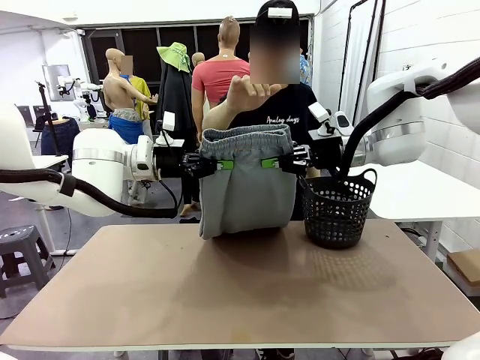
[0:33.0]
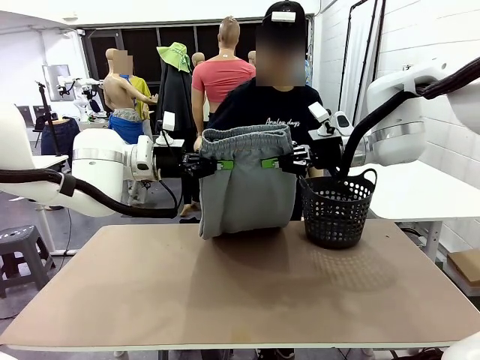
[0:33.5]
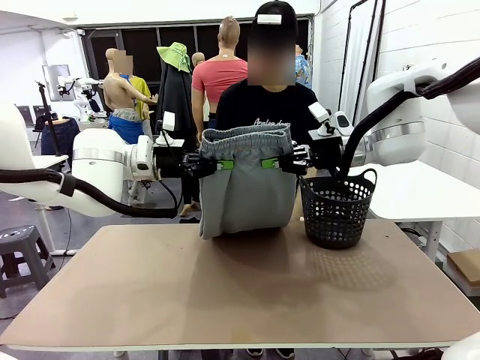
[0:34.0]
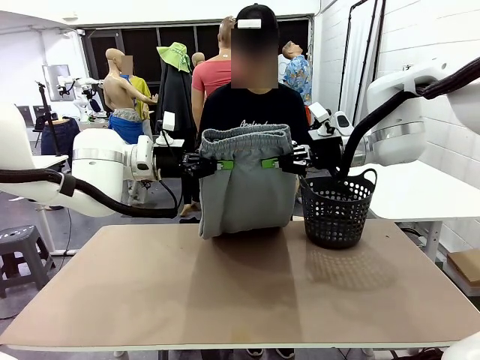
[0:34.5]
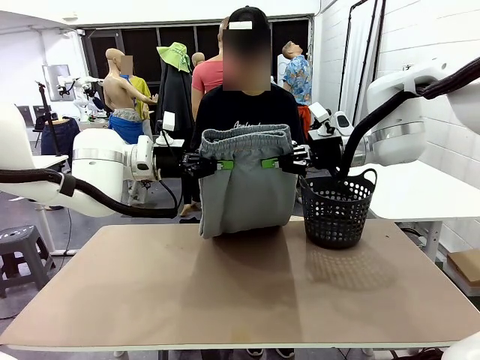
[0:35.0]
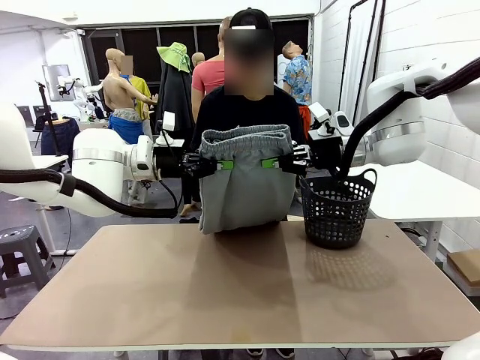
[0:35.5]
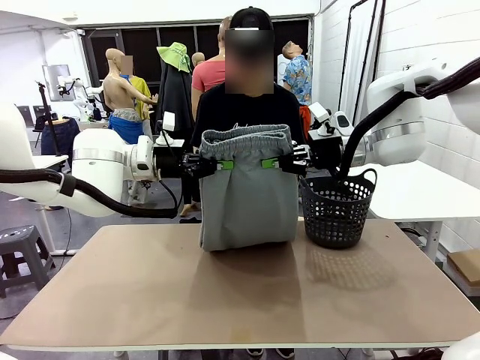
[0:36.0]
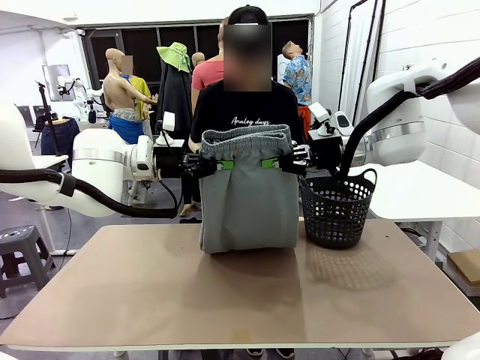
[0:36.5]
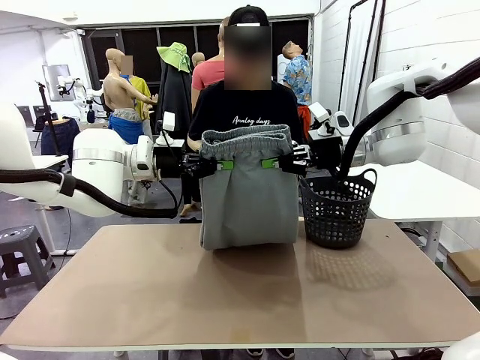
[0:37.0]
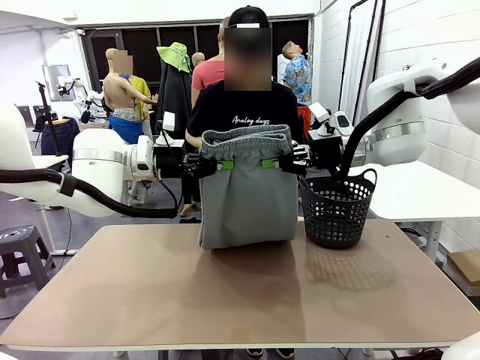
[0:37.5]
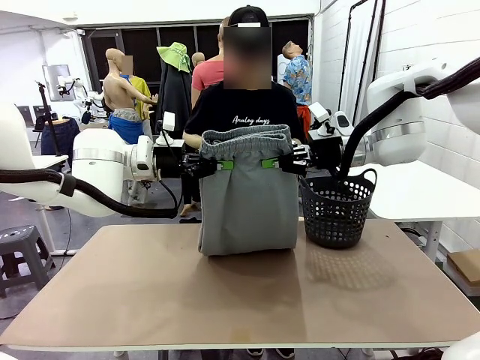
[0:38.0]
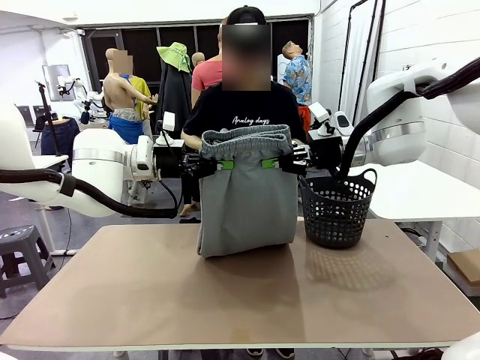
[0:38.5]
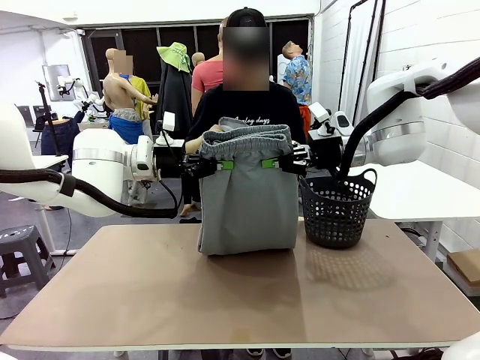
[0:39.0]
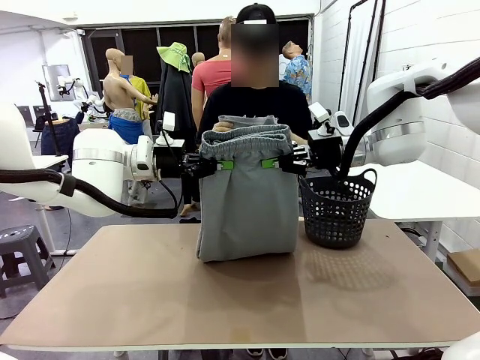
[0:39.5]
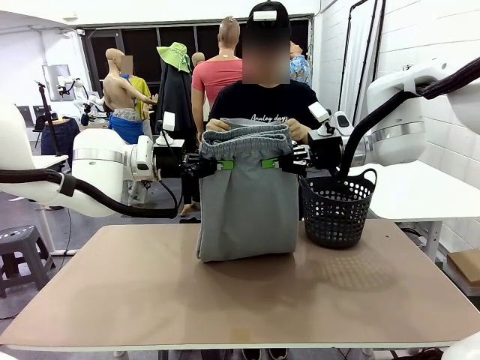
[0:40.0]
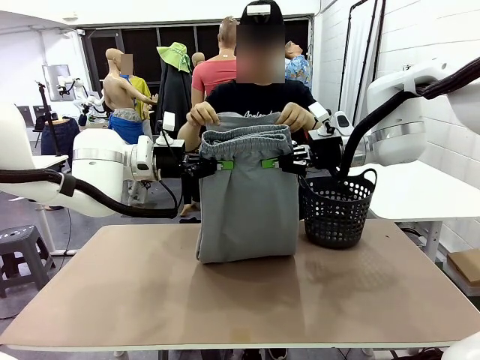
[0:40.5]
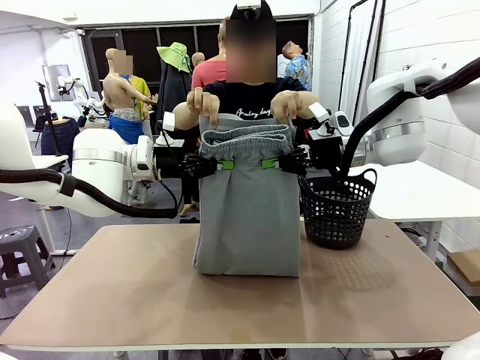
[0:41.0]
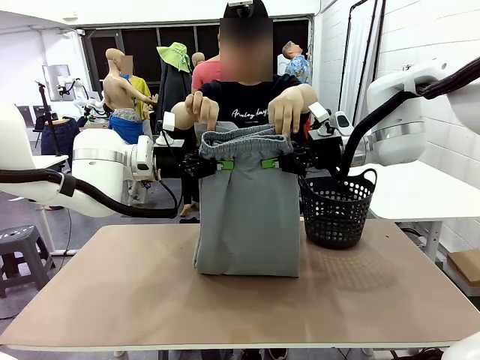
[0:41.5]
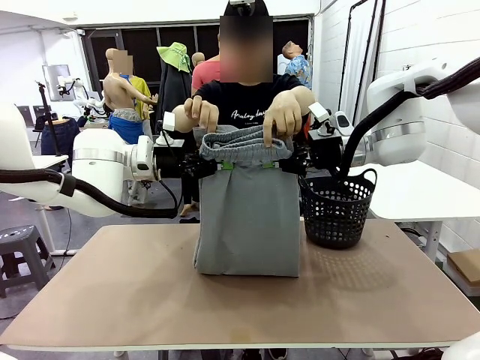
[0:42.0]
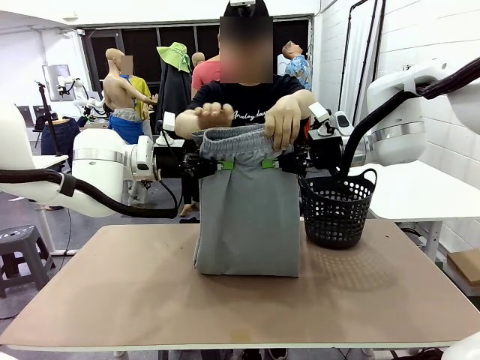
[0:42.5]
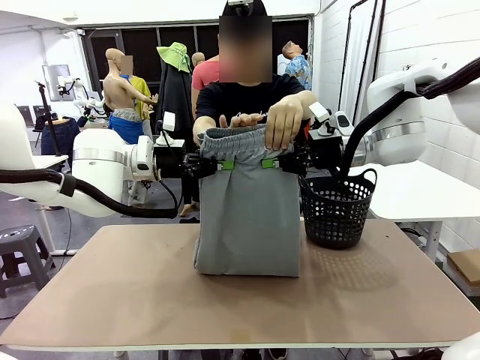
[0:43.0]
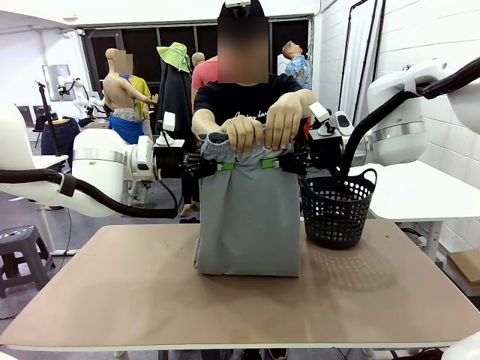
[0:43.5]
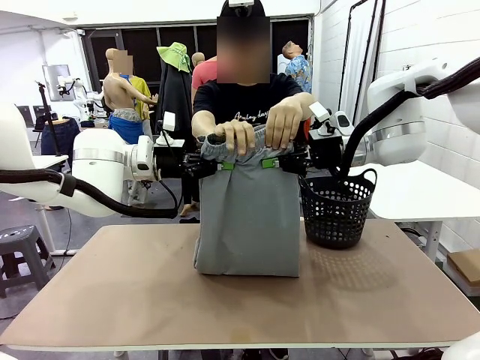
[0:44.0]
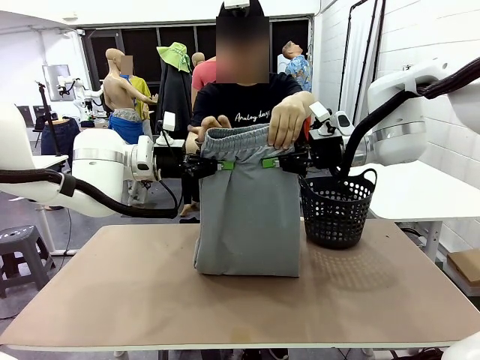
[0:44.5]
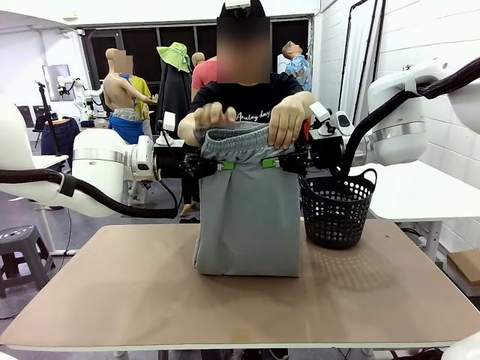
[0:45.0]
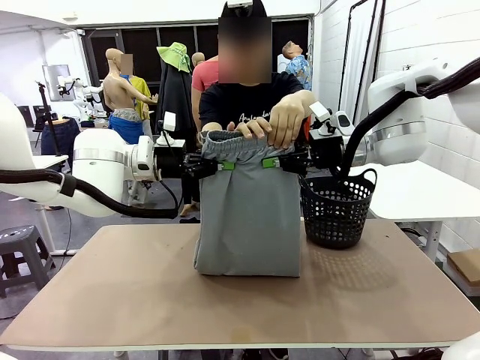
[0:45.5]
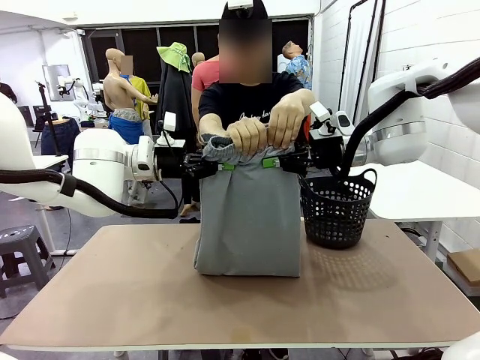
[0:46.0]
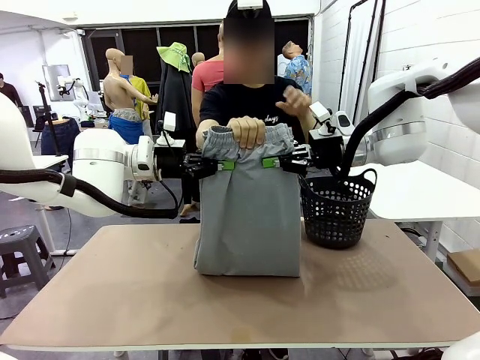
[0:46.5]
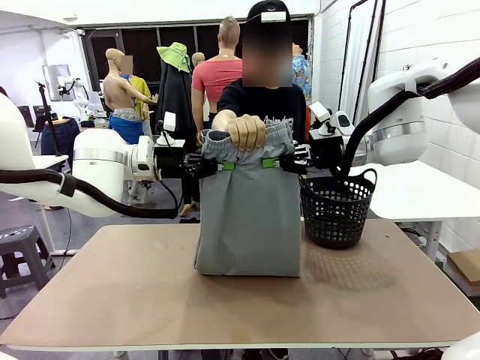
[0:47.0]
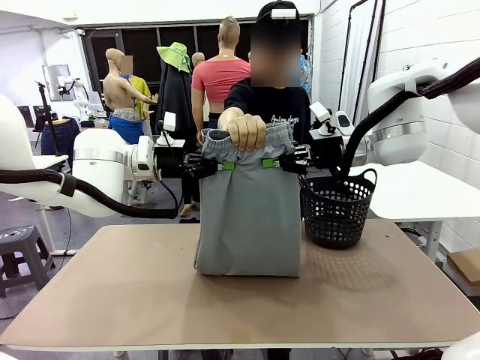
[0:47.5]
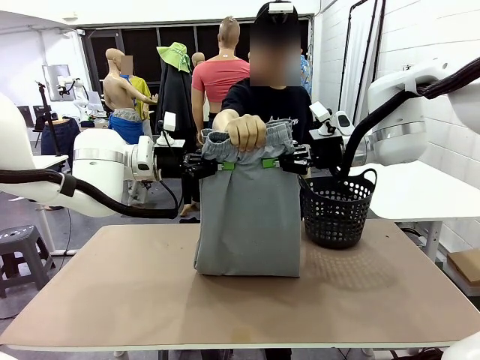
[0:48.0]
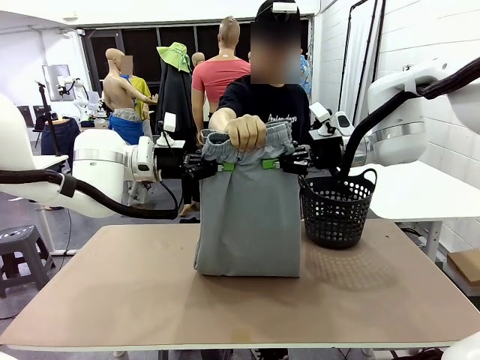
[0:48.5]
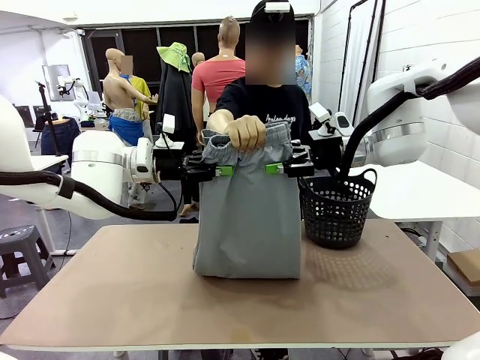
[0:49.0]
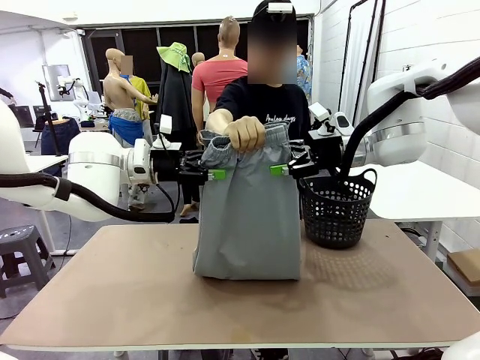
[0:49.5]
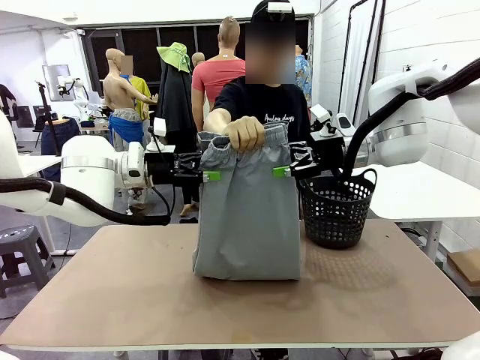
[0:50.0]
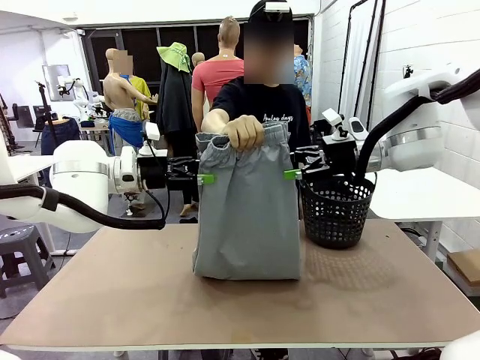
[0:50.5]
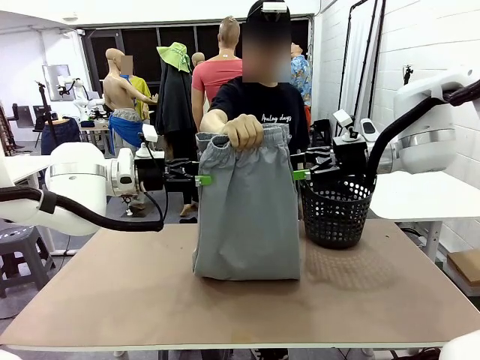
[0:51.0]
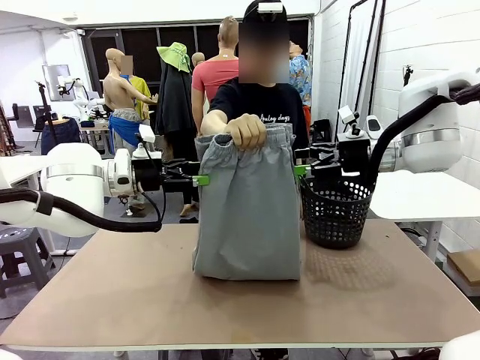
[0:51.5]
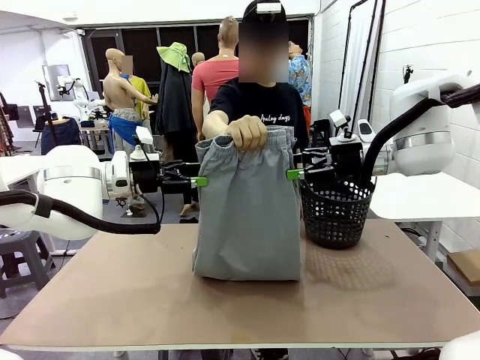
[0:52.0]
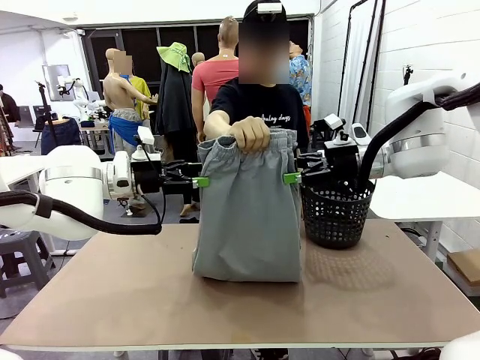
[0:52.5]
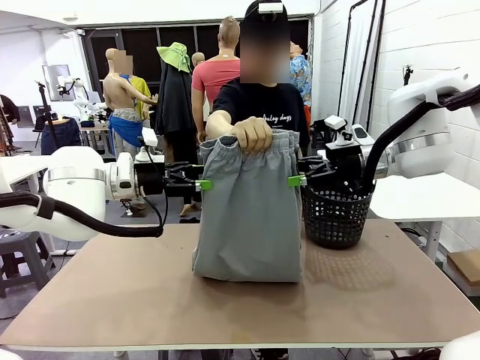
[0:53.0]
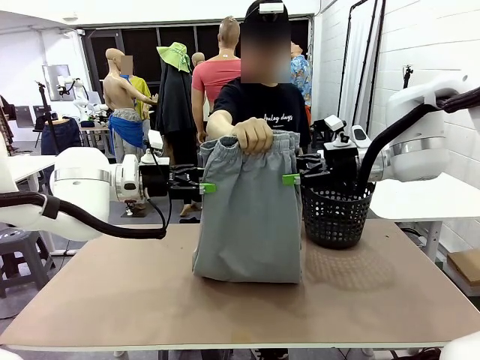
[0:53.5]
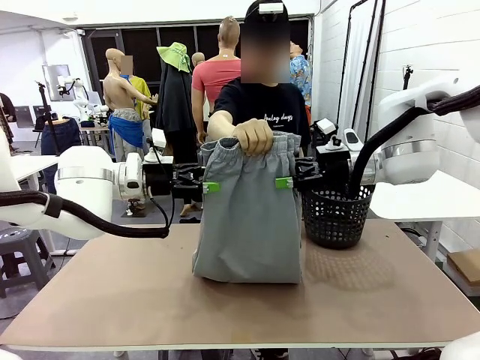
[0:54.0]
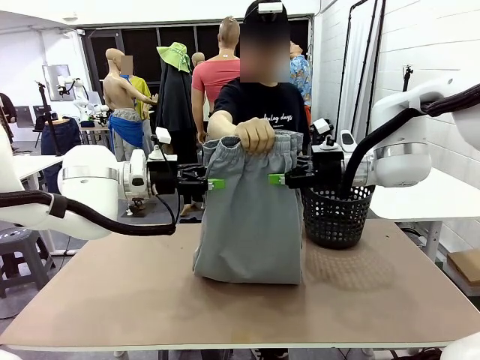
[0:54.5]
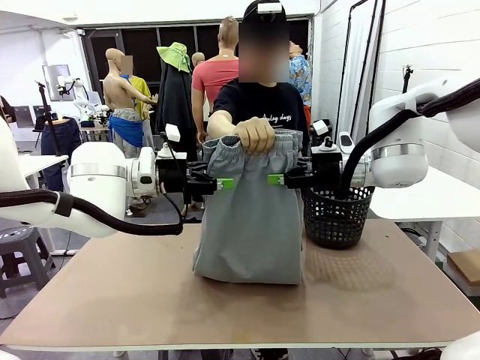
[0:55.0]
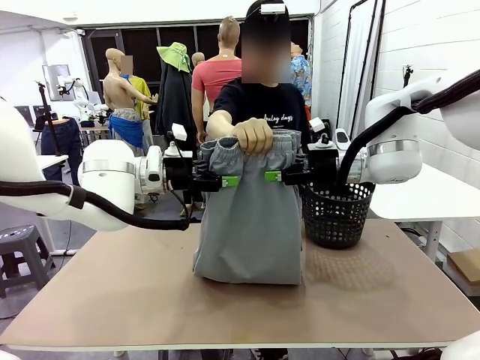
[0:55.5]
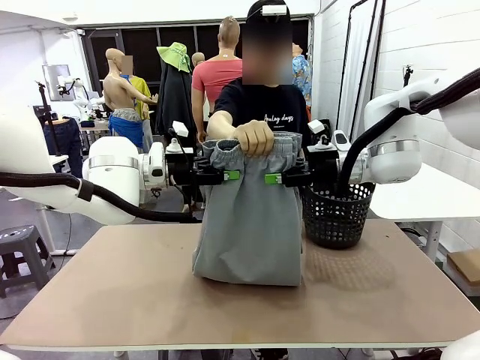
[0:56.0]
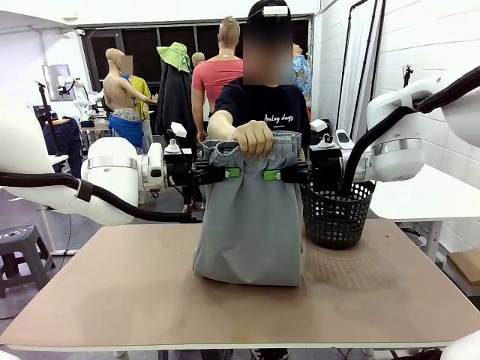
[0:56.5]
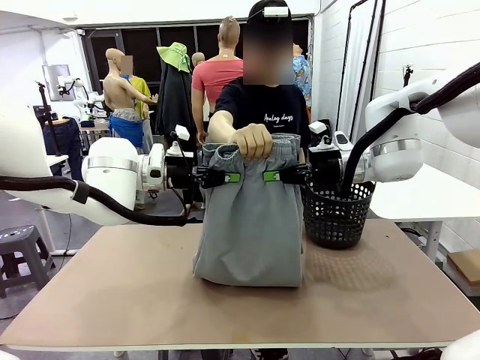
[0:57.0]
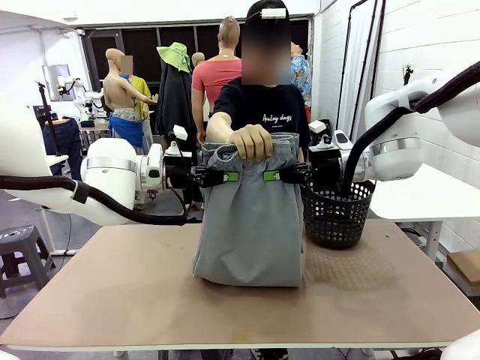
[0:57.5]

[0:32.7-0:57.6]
Task: Fold the training pants.
Robot: Release the ends of the Training pants and then grab the overlapped ends.
Person: Grasp the end opposite the point the robot is holding, fold the pants in half, and then grasp the overlapping top end of the folded pants. Release the pants you were holding.
